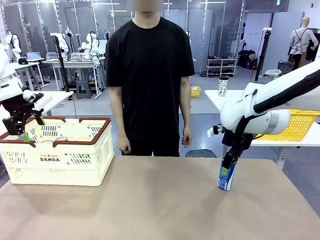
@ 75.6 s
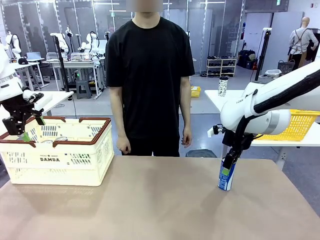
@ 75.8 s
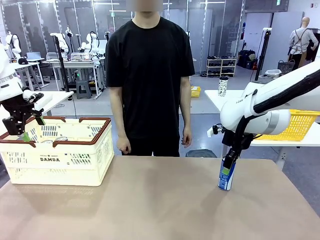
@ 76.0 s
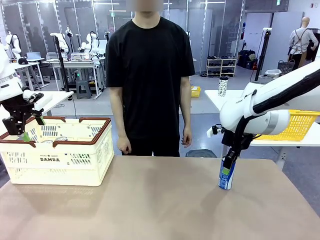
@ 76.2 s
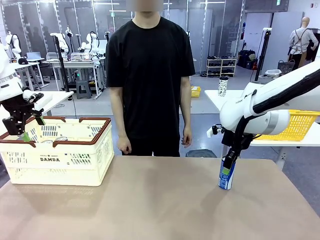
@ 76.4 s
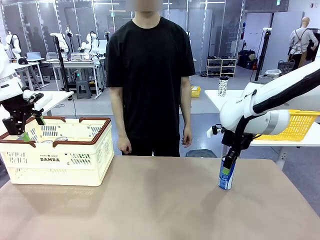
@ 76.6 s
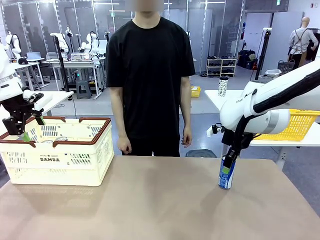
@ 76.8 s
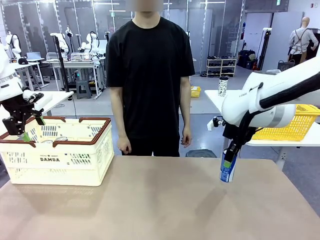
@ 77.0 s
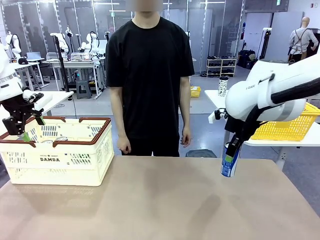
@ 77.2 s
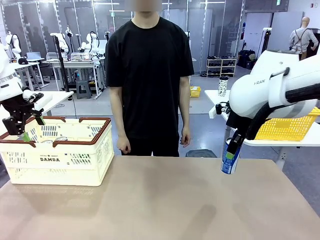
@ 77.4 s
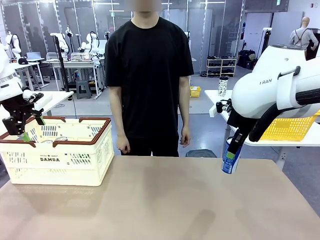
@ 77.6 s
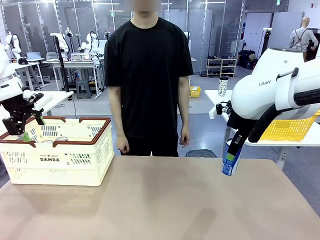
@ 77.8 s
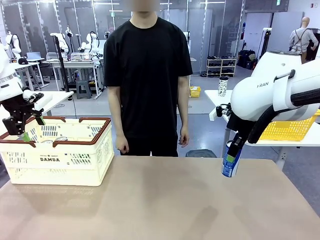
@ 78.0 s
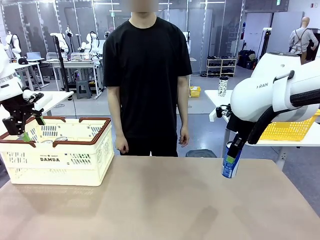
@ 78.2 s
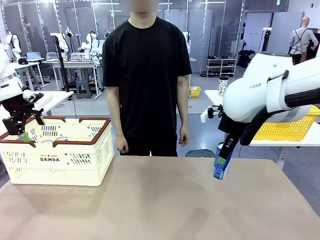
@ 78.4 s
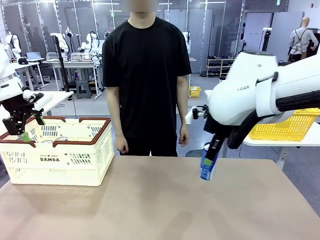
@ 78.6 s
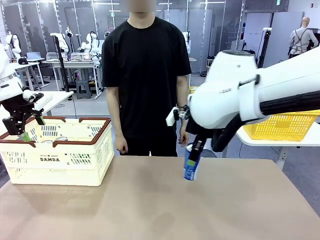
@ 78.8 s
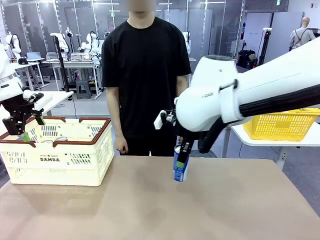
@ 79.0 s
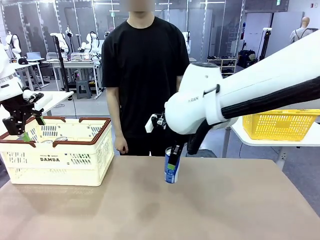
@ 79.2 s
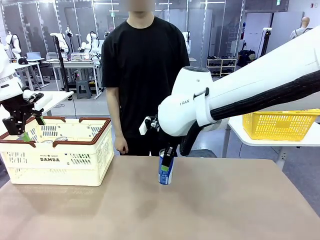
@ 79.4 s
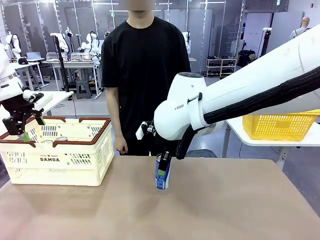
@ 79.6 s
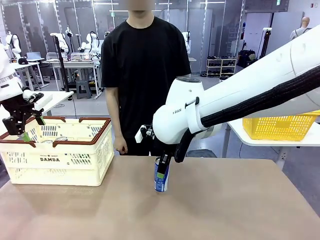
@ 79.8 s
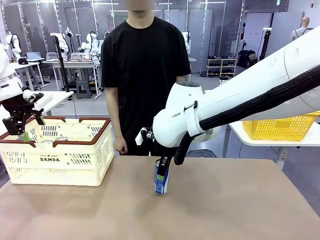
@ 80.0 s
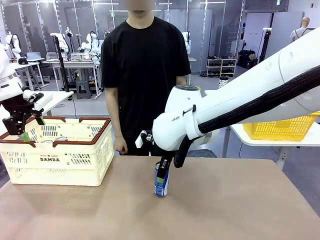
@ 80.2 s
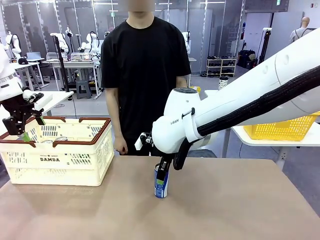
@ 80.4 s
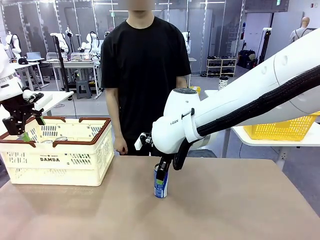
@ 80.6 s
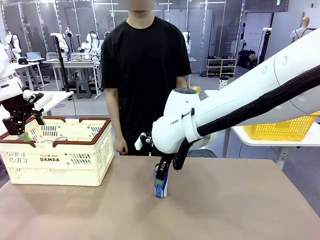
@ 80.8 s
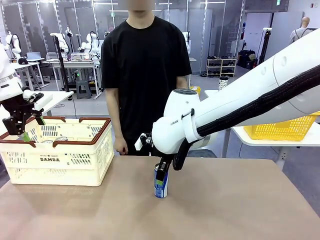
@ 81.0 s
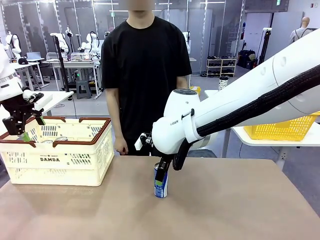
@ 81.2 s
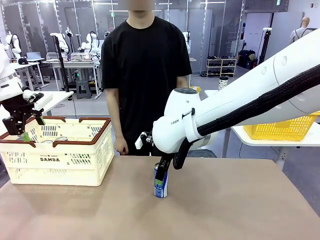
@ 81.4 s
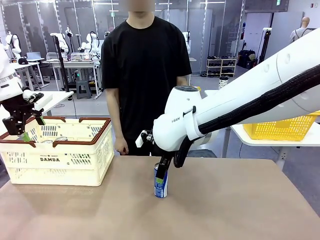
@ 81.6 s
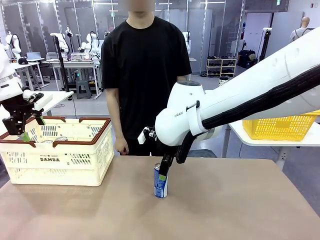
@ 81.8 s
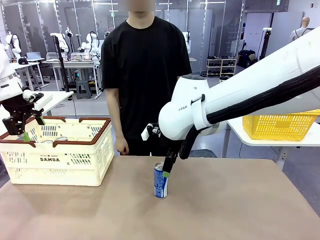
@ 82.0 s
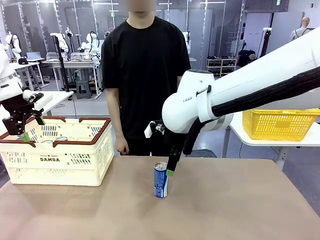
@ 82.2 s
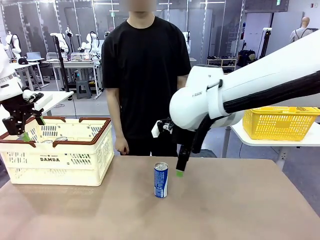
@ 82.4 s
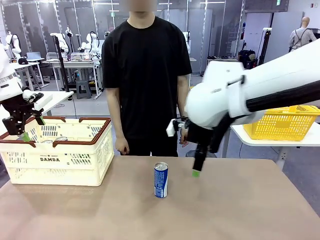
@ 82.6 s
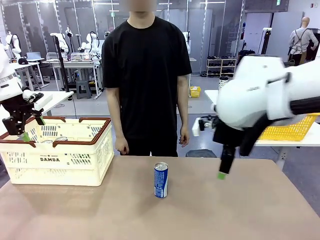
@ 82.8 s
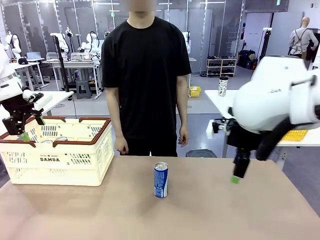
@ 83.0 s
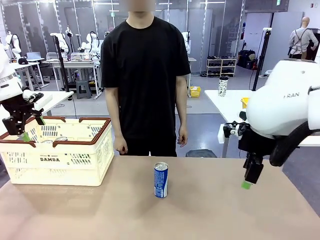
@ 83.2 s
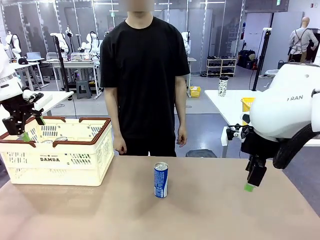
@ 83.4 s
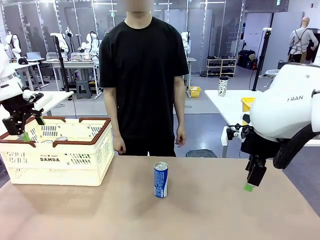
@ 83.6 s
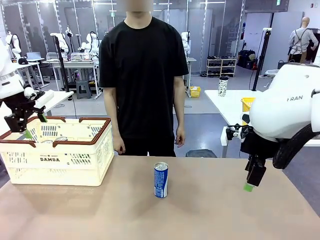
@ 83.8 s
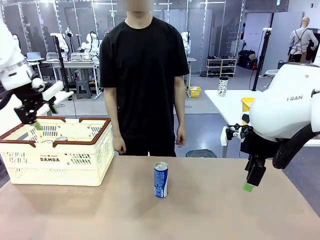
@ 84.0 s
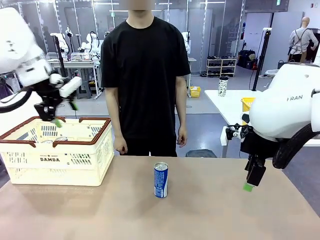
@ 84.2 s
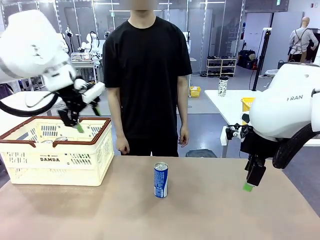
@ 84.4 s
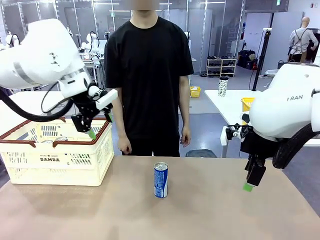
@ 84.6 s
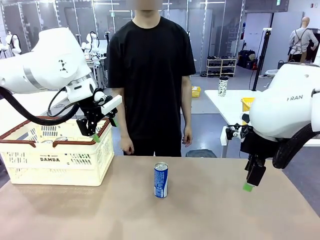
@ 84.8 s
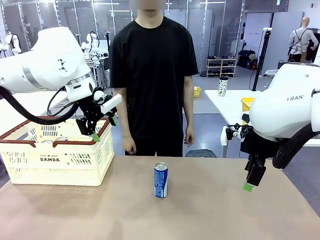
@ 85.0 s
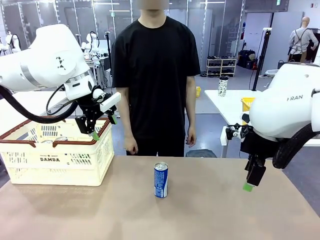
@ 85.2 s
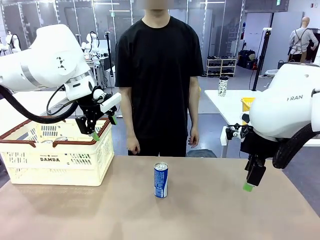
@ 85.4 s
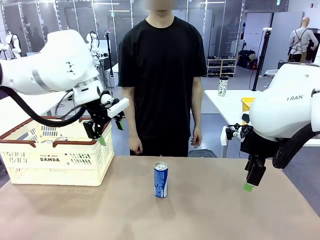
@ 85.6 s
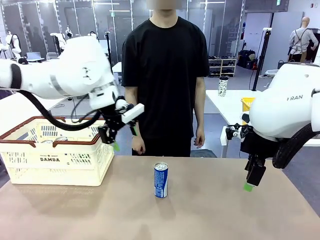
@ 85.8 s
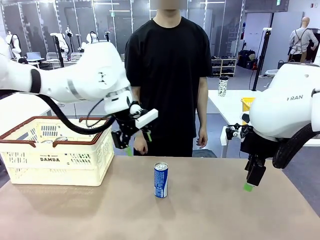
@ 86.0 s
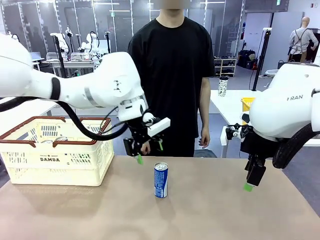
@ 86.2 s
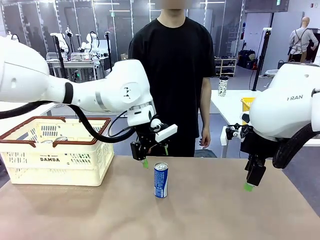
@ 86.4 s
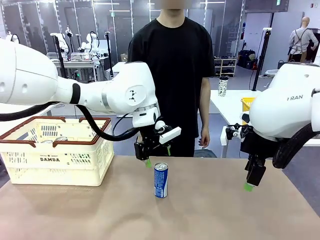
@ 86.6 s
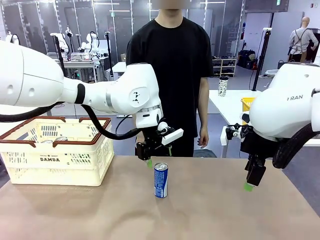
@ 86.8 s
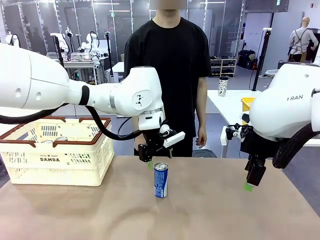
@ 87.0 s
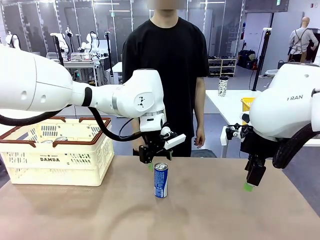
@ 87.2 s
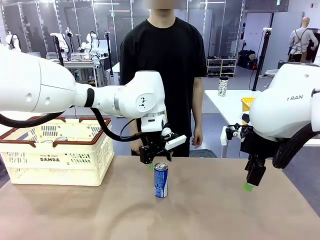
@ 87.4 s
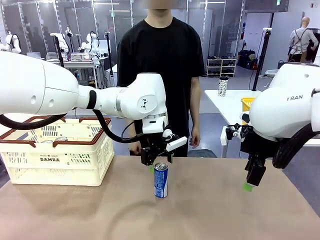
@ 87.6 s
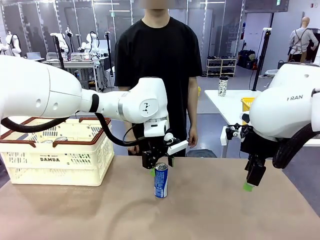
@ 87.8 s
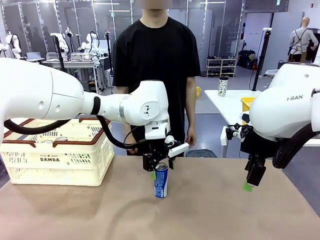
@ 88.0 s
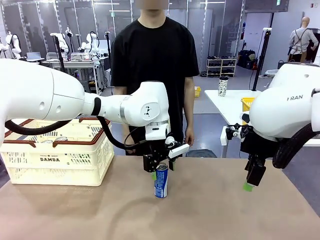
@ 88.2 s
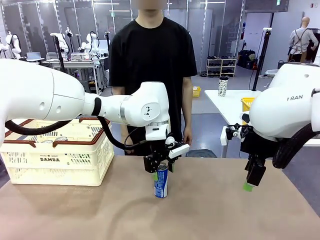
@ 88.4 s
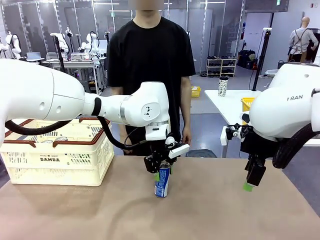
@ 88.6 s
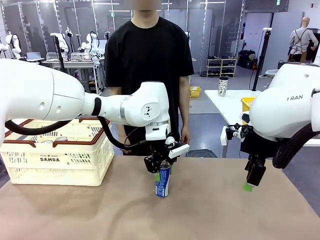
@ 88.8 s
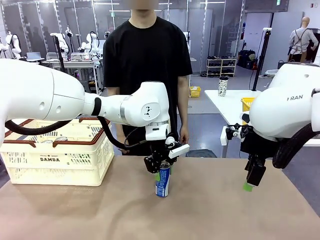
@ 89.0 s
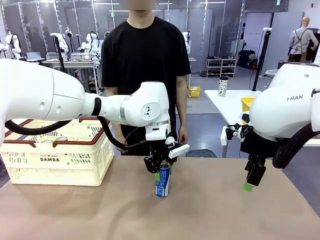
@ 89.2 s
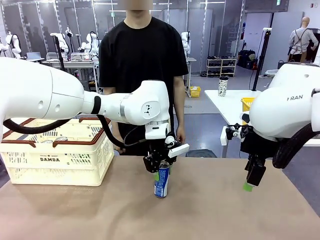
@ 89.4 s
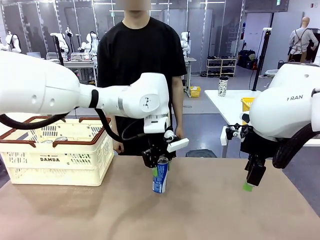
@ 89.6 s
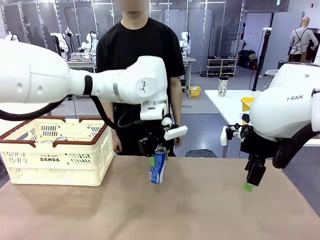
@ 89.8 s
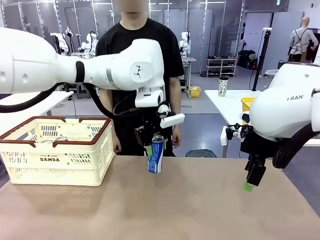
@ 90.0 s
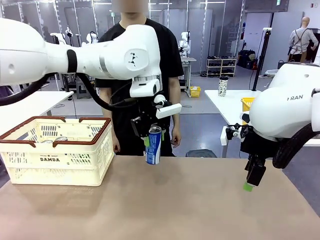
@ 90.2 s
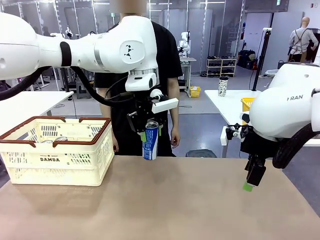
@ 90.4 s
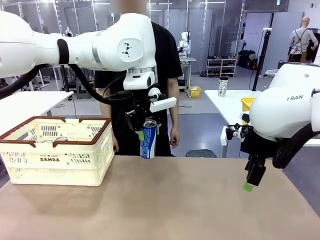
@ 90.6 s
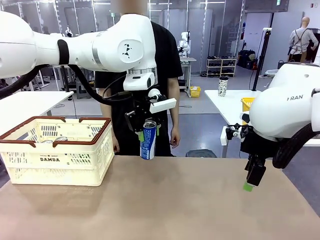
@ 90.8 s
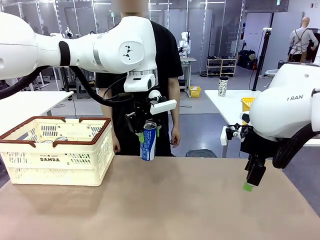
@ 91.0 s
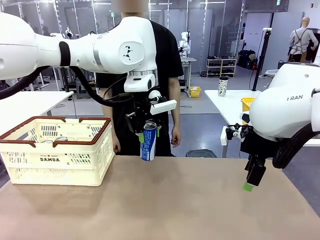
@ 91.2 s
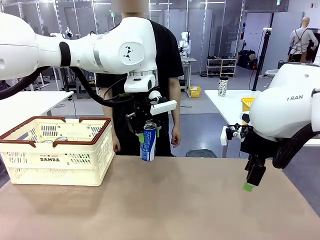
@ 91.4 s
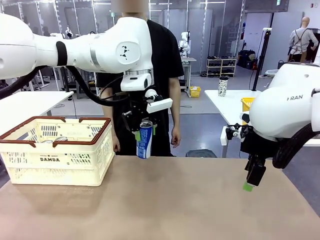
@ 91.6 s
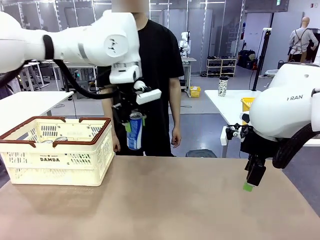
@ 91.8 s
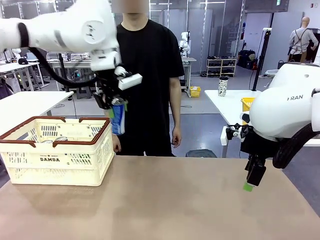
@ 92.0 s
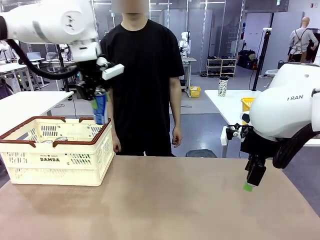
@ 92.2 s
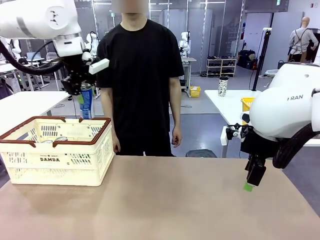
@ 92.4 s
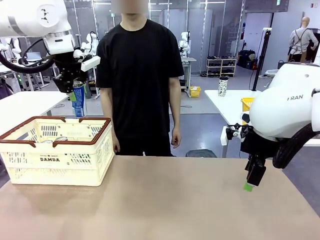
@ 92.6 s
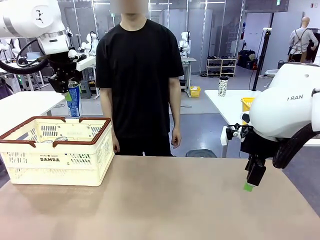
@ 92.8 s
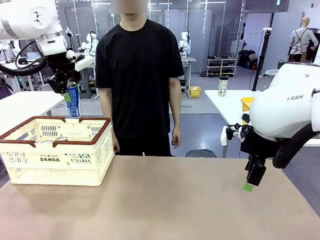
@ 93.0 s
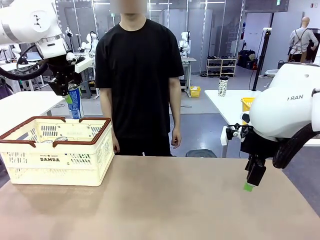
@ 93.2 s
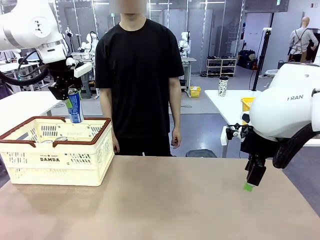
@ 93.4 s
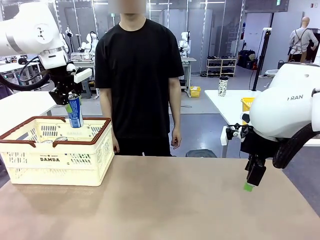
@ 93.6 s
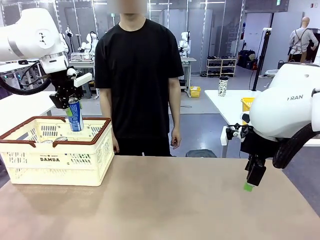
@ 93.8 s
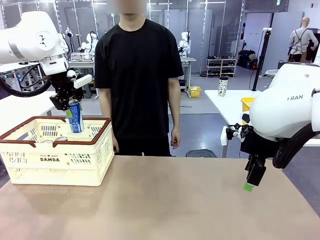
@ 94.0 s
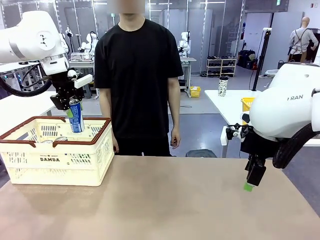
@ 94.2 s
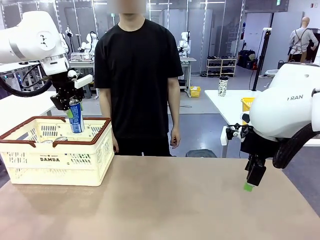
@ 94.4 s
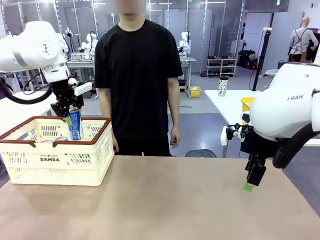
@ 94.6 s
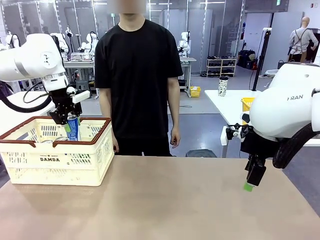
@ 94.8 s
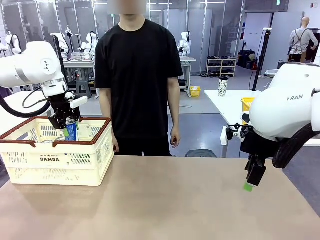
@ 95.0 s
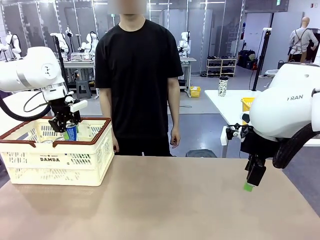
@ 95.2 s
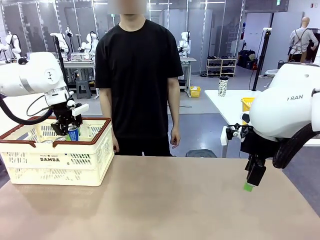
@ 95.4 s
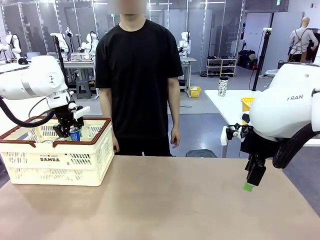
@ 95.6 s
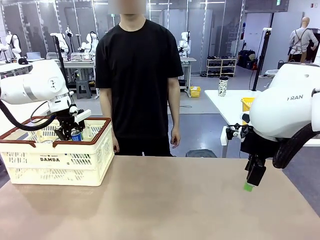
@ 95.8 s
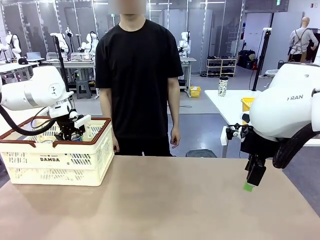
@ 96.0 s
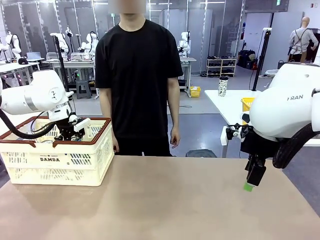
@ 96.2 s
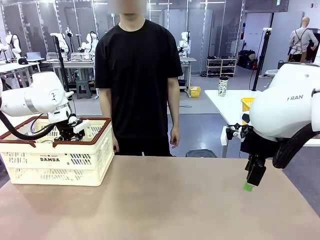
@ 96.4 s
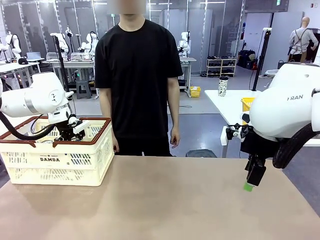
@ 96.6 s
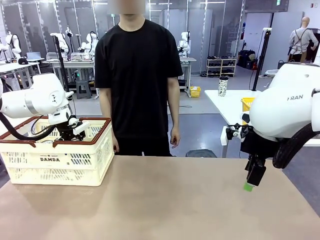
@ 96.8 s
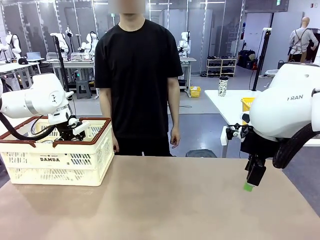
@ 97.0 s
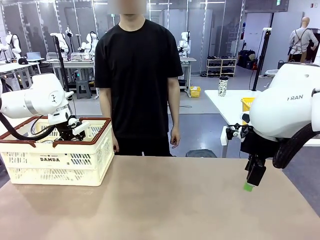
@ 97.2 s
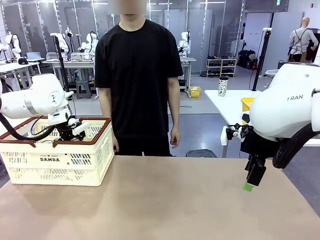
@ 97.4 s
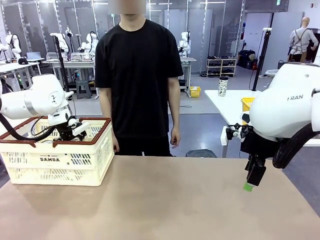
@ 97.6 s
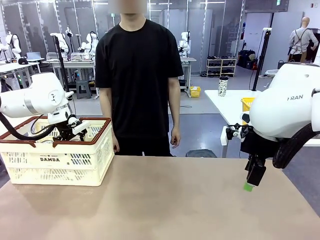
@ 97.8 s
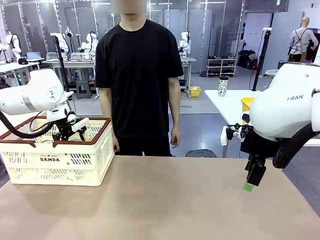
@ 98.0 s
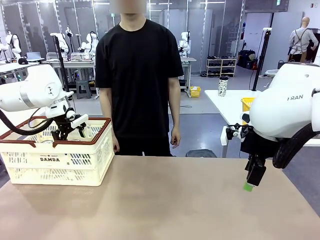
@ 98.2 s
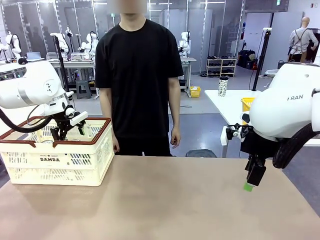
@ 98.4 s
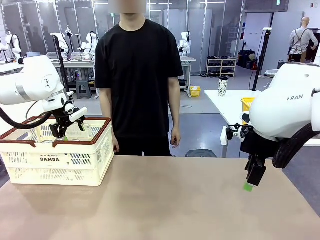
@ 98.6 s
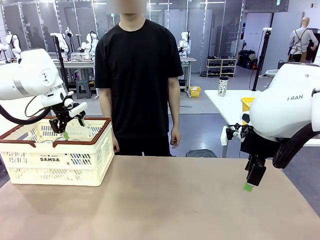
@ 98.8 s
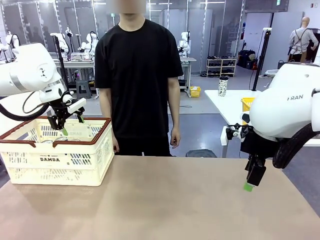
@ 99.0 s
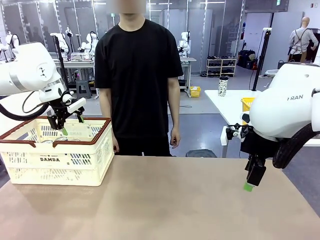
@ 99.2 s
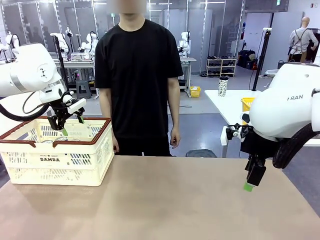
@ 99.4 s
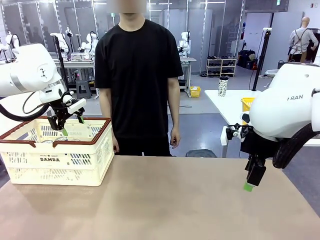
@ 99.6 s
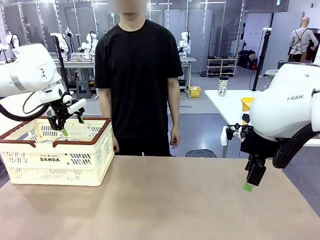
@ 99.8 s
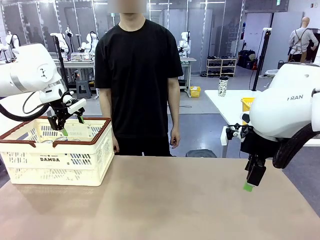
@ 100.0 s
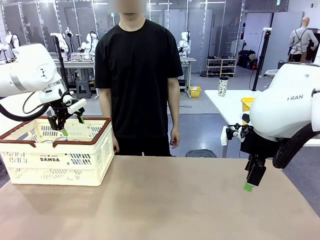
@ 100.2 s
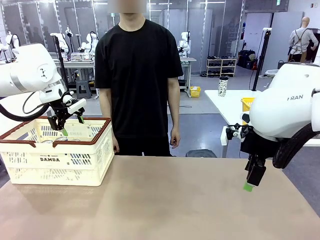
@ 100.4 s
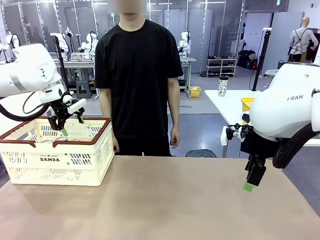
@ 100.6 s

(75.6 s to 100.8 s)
Task: Place the drinks into the Shopping basket.
Robot: Pick up one drink and place it into the Shopping basket.
